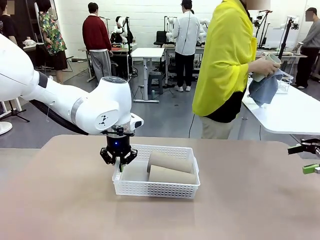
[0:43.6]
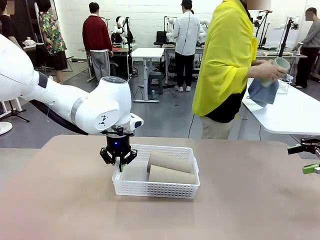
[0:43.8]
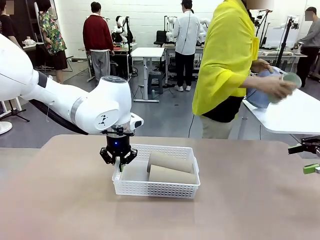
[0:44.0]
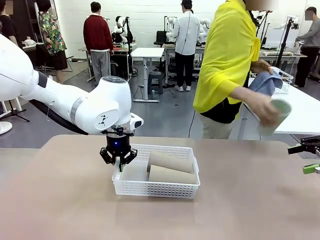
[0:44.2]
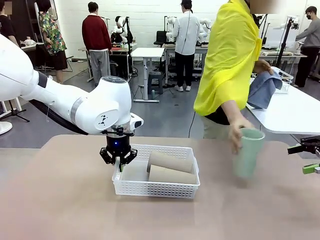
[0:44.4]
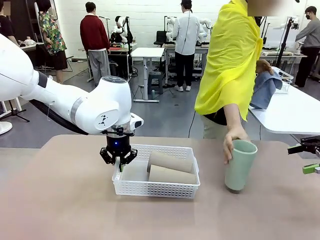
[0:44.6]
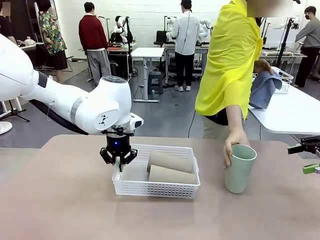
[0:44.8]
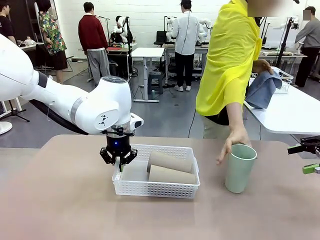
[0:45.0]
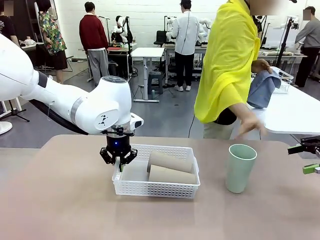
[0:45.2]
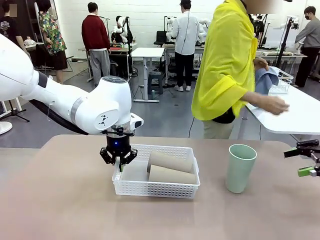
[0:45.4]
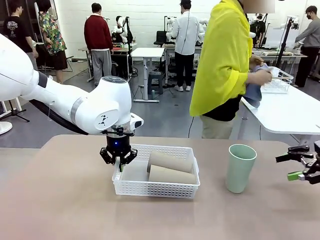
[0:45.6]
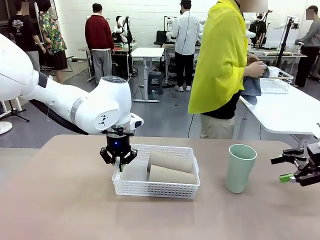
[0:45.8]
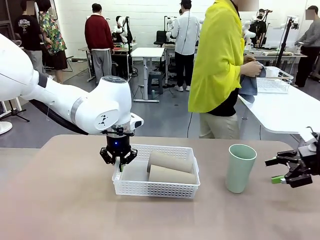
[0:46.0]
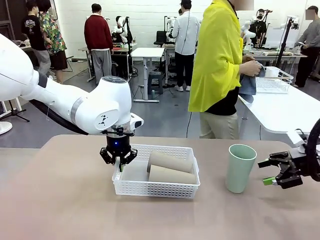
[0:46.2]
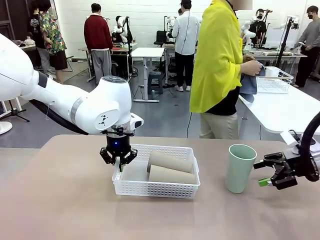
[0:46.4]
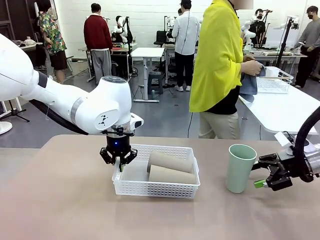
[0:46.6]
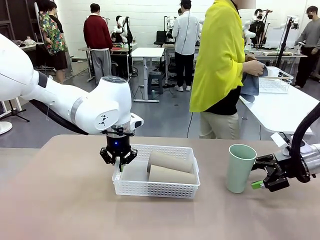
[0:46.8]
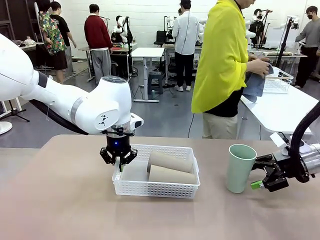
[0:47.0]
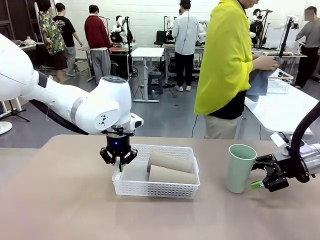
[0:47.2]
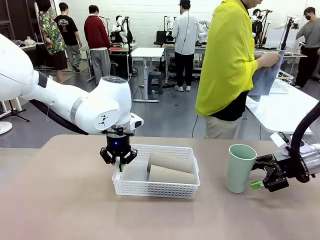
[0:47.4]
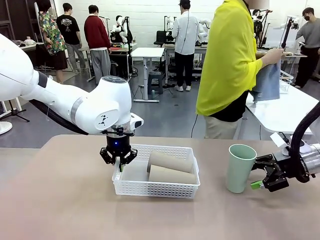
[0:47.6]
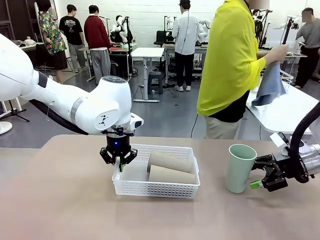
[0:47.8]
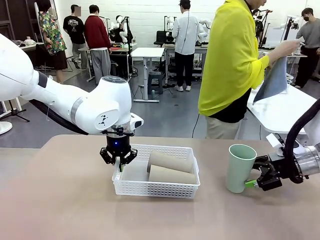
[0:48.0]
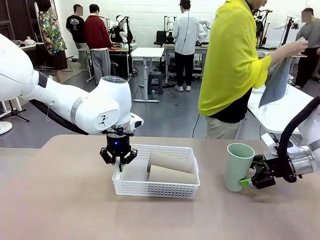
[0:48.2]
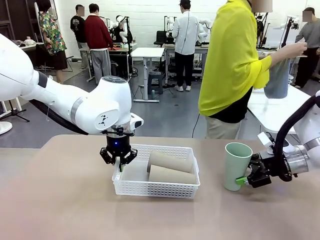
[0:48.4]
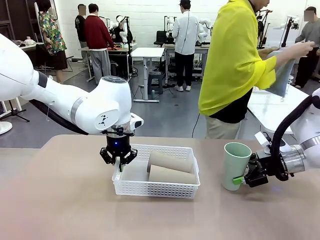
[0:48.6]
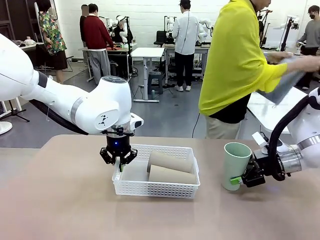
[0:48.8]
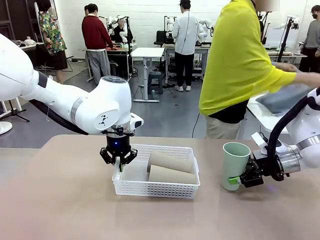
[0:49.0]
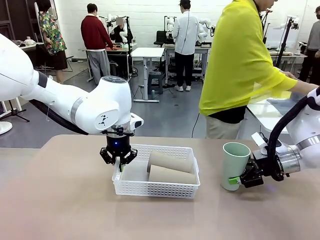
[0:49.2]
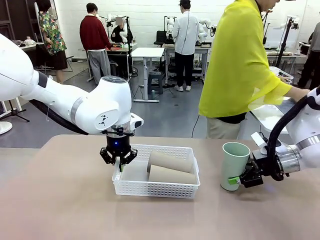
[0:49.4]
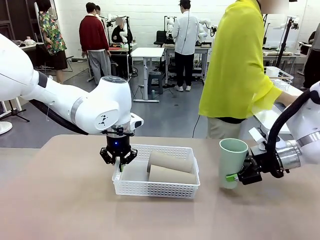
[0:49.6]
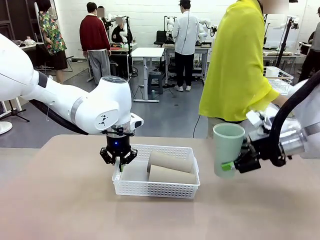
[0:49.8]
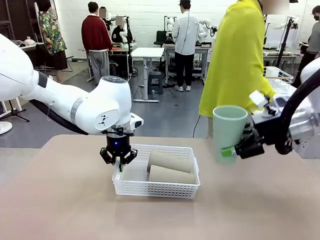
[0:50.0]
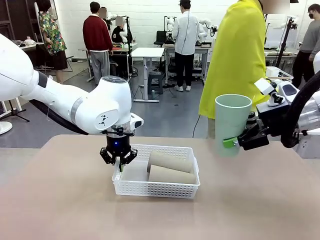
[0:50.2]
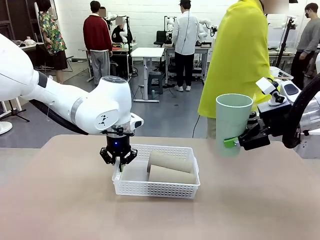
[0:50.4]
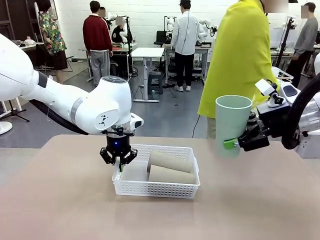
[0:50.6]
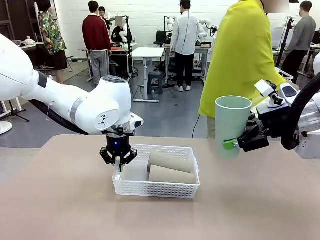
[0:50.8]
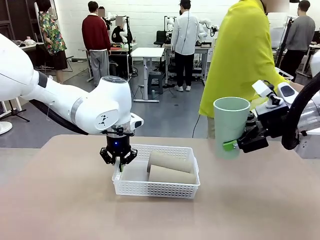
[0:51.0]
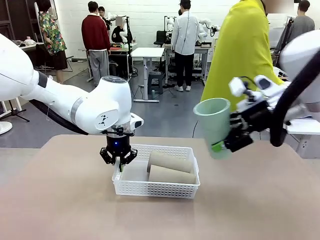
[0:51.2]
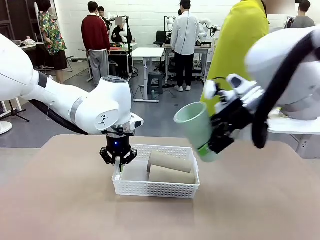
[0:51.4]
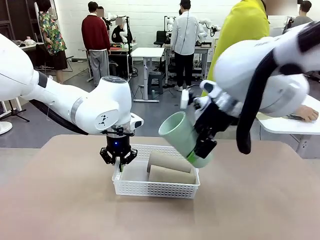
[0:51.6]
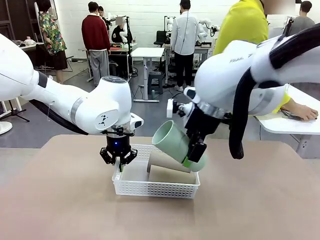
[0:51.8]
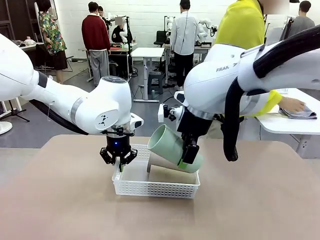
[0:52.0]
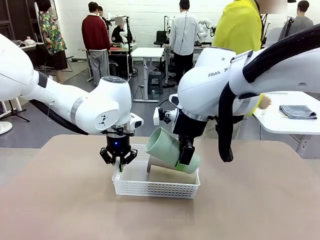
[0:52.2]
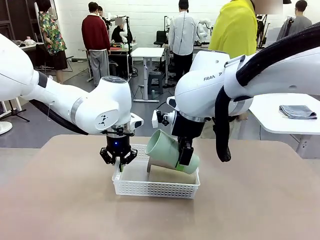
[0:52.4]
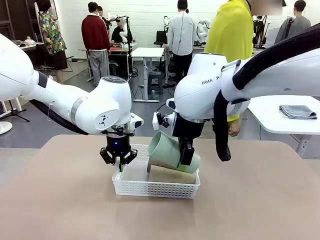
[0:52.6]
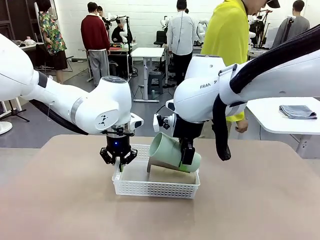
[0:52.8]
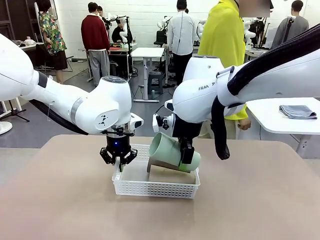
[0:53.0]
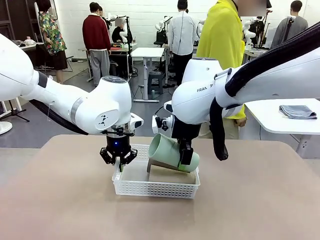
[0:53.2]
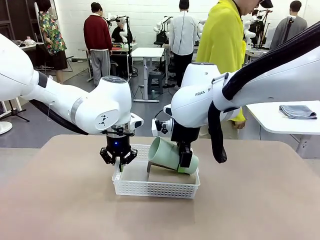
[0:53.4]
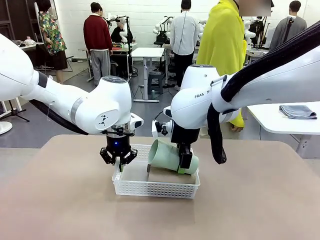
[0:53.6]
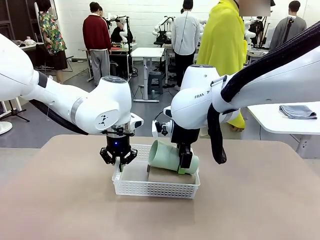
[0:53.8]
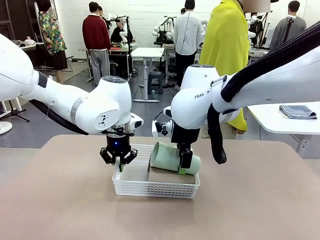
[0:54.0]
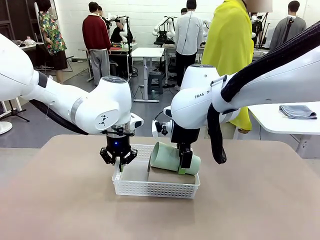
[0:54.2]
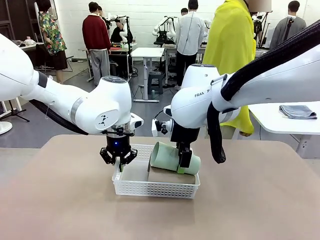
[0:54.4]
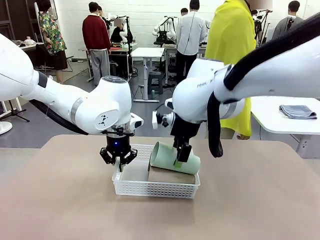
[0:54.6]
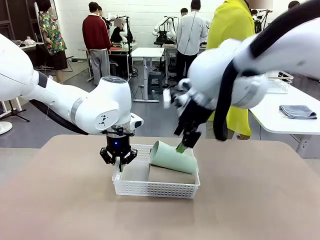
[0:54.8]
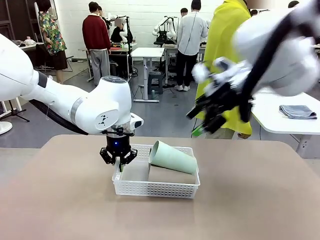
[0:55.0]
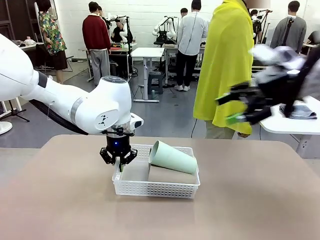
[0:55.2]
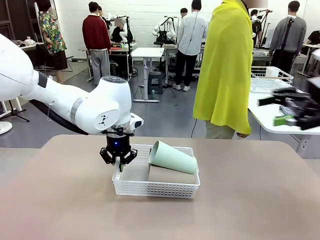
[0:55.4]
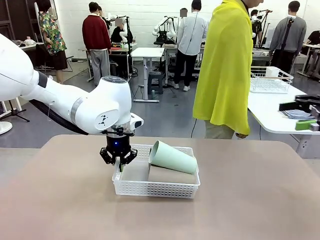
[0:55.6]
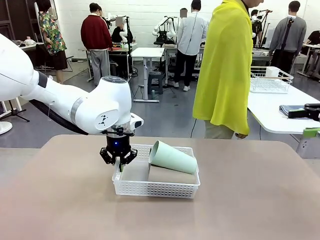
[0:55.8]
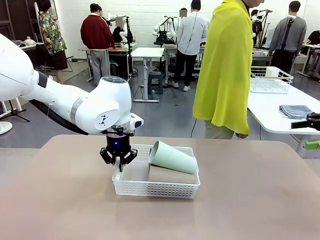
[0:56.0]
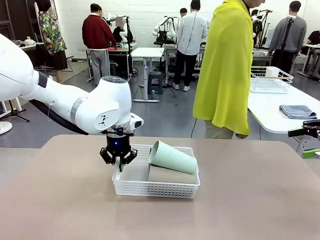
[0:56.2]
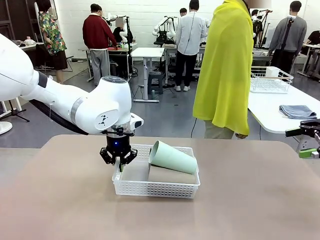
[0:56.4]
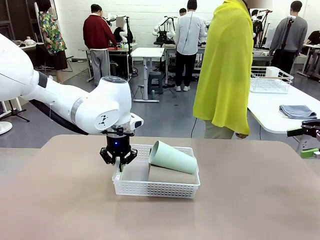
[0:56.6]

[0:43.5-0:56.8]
Task: Clean and organize the cups into the basket.
Robot: Pick up the Reusable plastic cup from the right side of the table and stack it inside the Organizing basket in the center of the table.
Person: Folds the towel in half twice and places it in the right of the table.

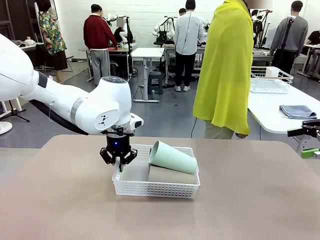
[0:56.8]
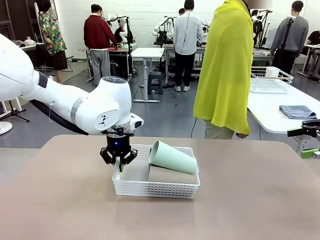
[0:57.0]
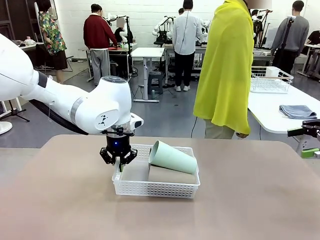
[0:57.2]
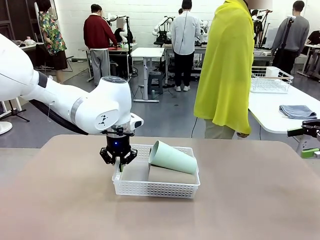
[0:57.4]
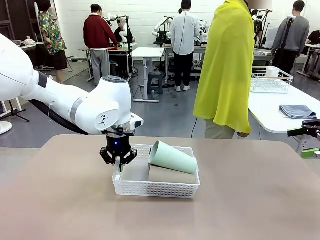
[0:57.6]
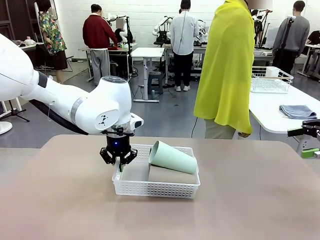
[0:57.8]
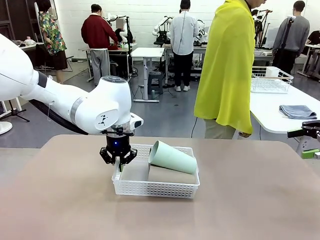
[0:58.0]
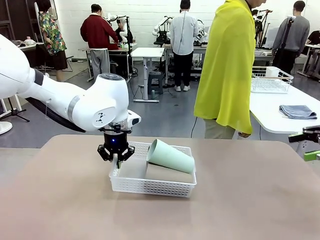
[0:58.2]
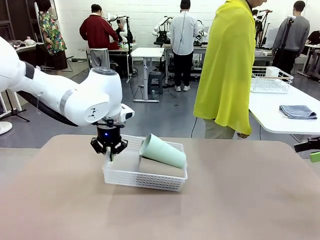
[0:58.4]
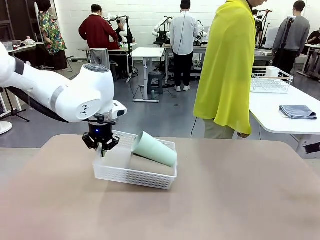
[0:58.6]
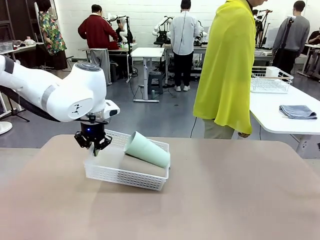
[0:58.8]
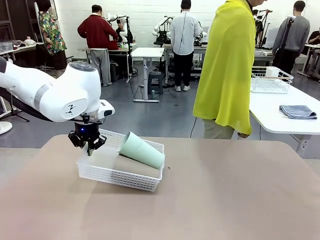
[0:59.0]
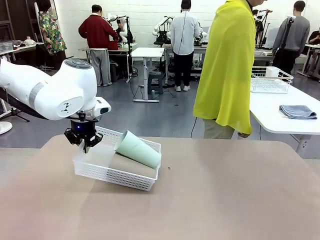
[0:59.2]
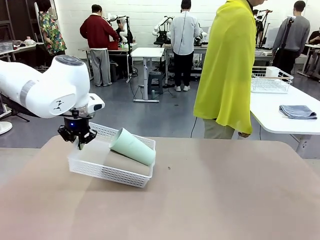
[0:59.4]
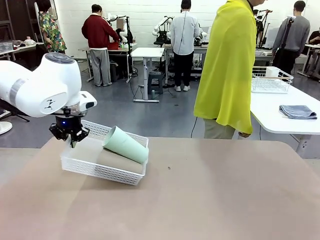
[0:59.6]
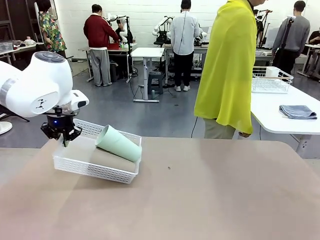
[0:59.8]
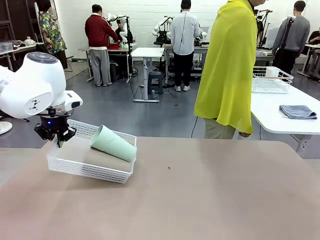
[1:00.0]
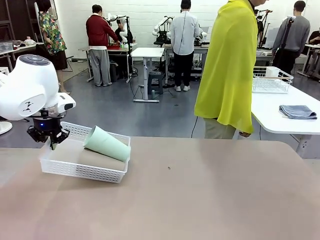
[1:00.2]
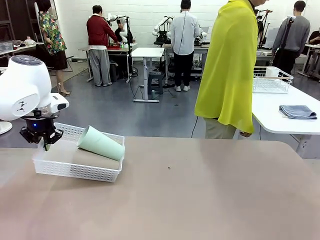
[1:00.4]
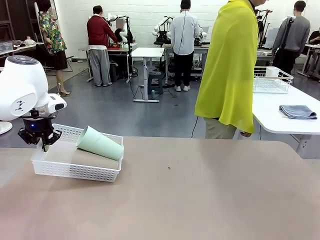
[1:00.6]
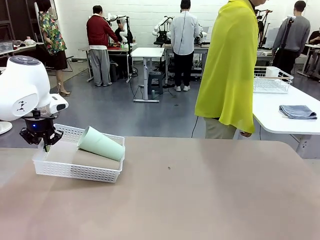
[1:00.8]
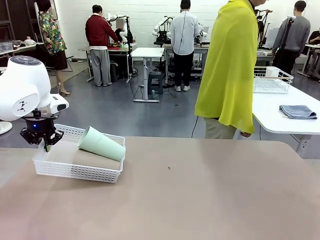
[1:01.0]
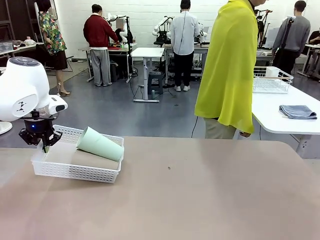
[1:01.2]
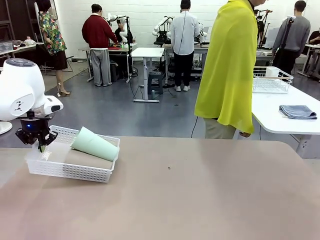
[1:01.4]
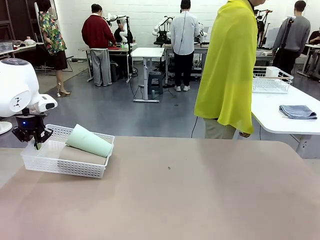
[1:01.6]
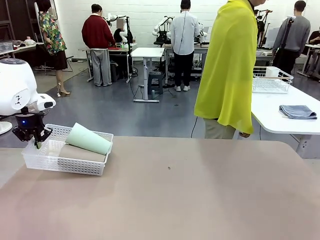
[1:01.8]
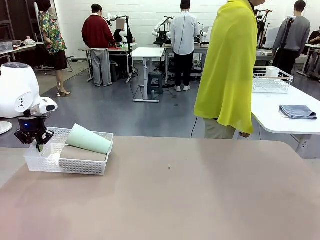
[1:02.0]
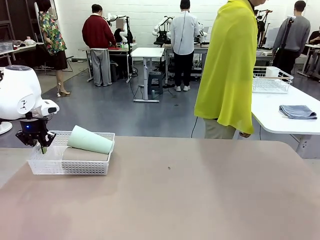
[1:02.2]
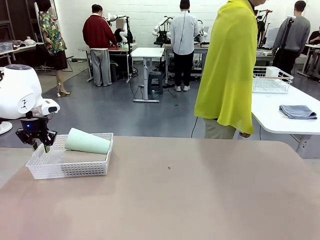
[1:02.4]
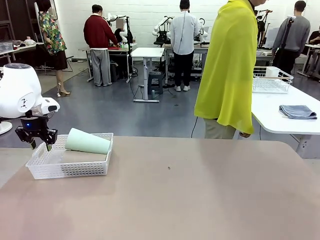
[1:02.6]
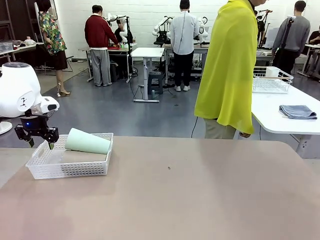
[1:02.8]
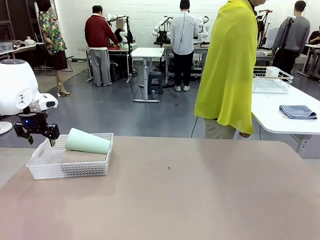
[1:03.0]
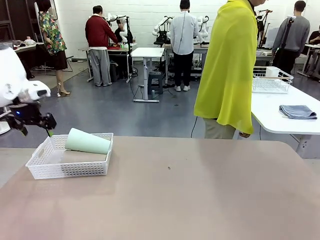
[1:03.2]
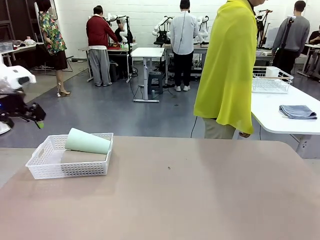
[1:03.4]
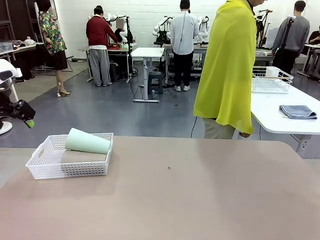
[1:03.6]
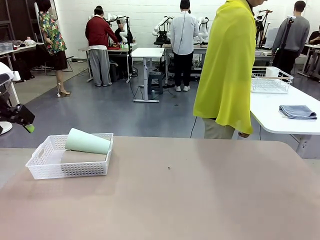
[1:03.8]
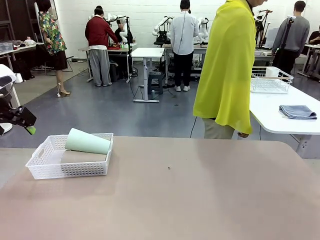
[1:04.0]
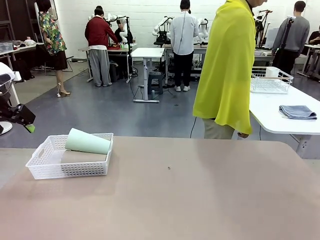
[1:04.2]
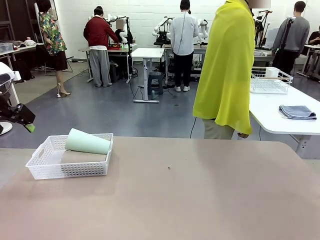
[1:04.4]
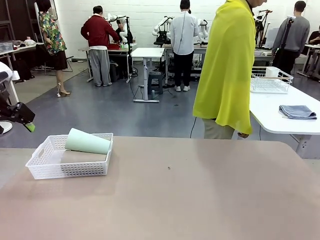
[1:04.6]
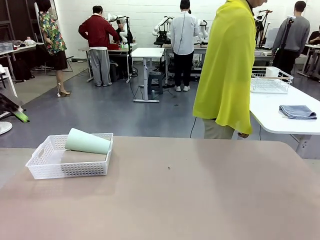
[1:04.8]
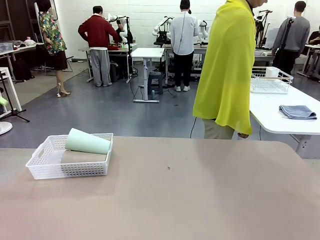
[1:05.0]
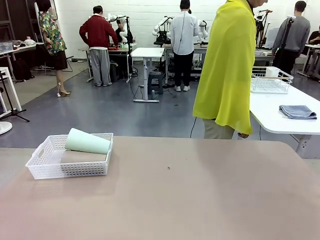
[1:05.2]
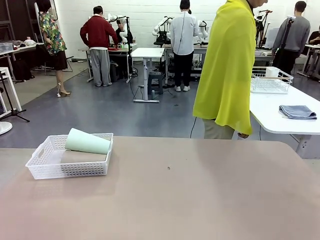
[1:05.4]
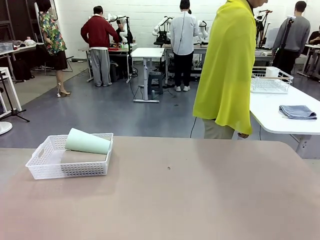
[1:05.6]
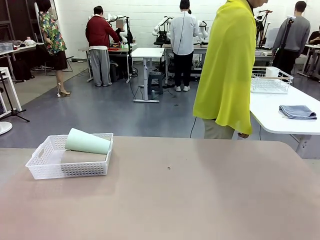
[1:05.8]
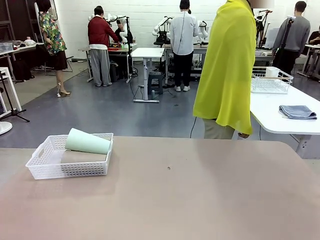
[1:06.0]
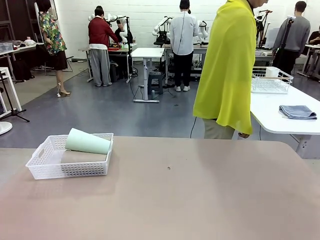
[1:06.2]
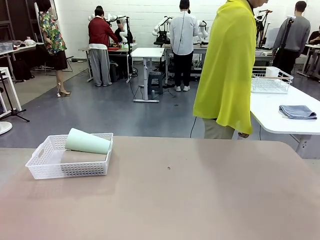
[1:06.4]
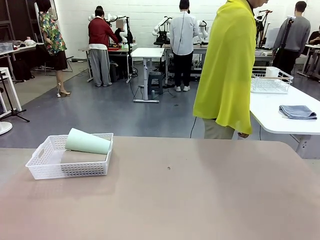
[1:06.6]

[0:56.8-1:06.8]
Robot: Move the Organizing basket back to the left side of the table.
